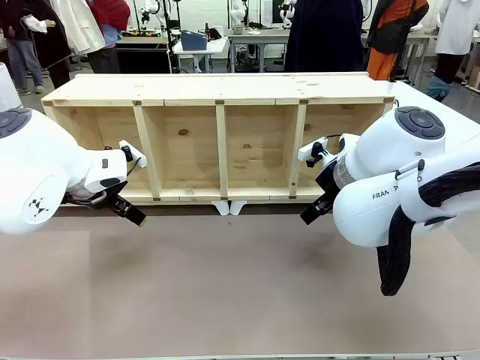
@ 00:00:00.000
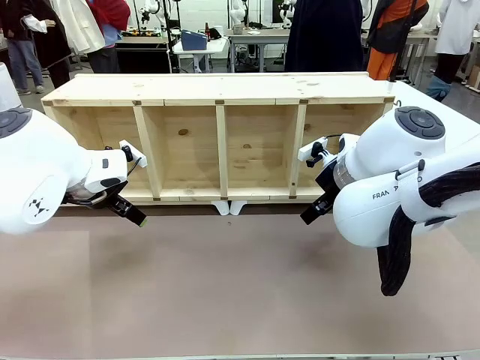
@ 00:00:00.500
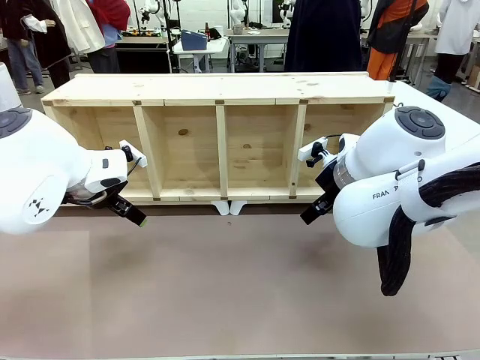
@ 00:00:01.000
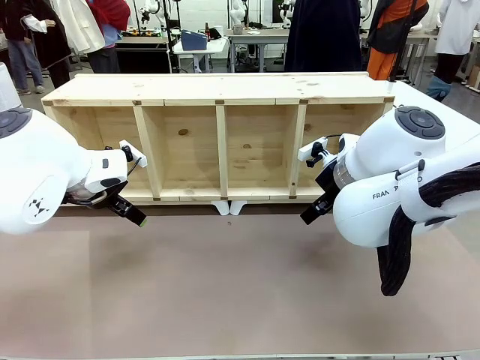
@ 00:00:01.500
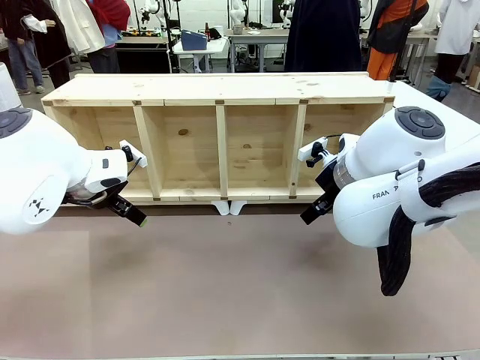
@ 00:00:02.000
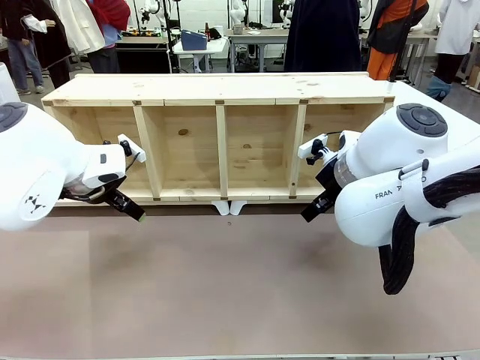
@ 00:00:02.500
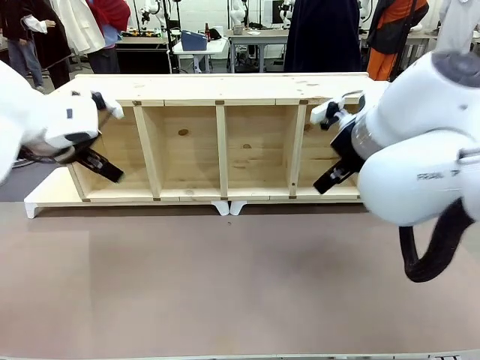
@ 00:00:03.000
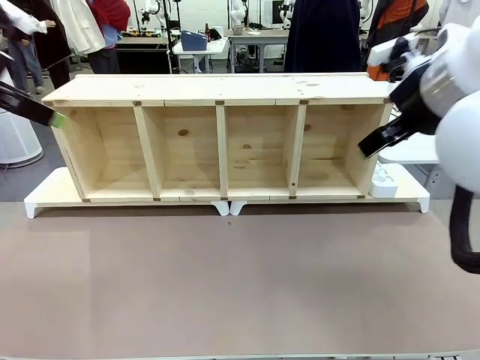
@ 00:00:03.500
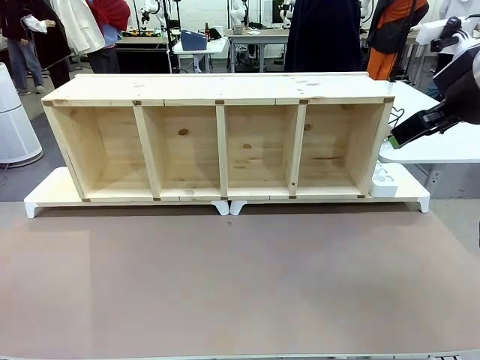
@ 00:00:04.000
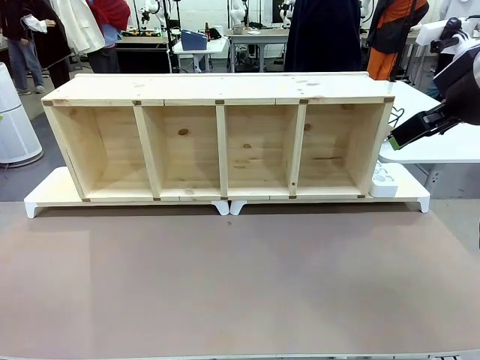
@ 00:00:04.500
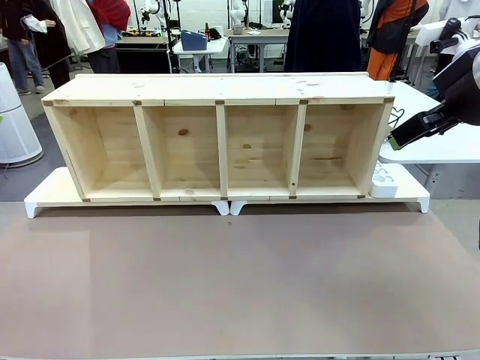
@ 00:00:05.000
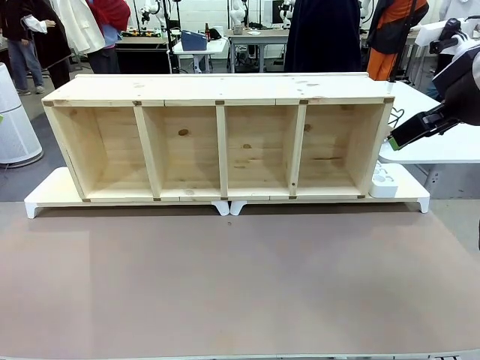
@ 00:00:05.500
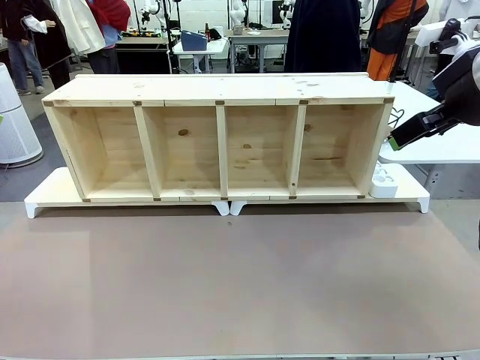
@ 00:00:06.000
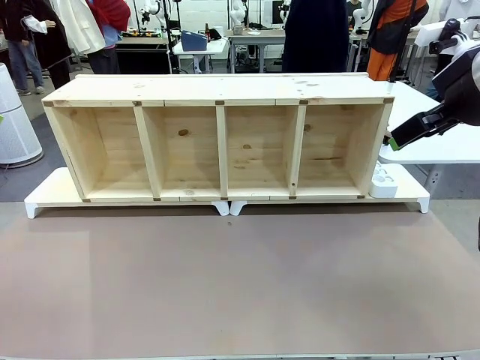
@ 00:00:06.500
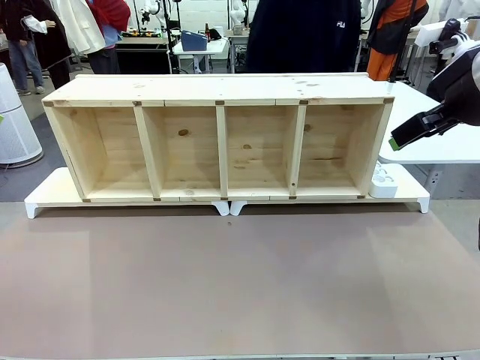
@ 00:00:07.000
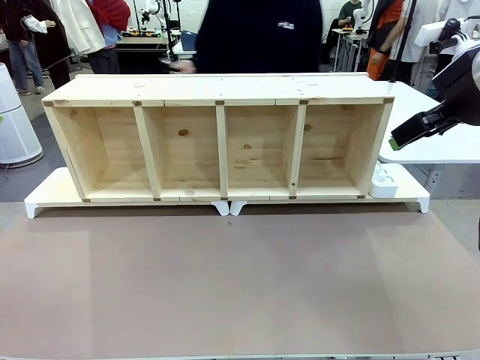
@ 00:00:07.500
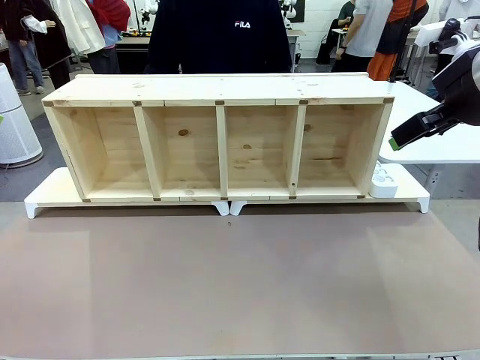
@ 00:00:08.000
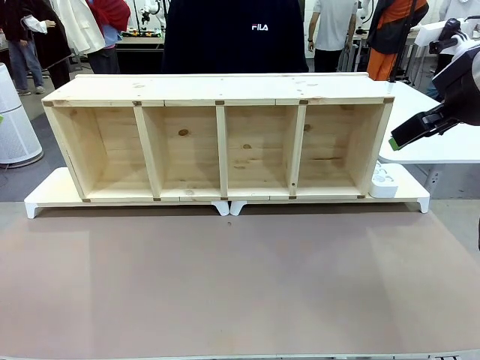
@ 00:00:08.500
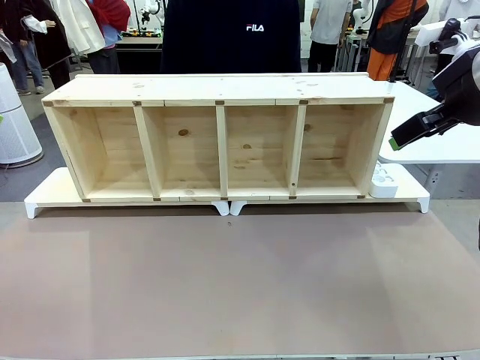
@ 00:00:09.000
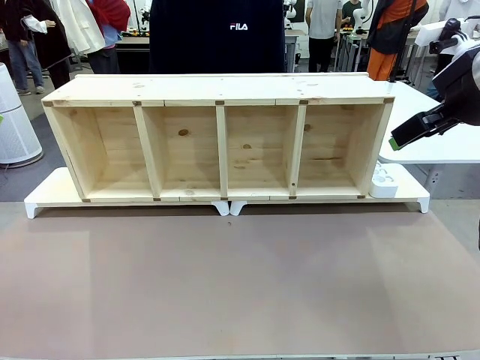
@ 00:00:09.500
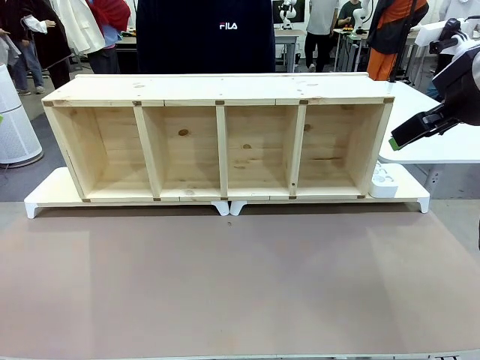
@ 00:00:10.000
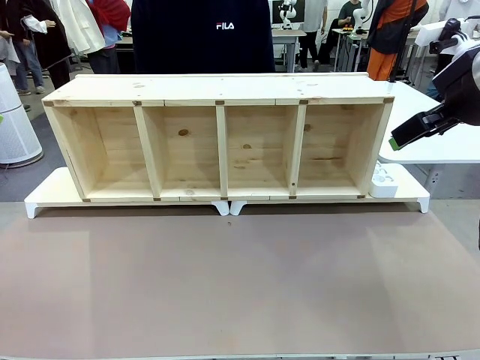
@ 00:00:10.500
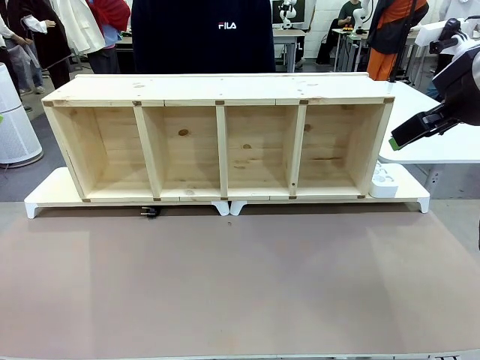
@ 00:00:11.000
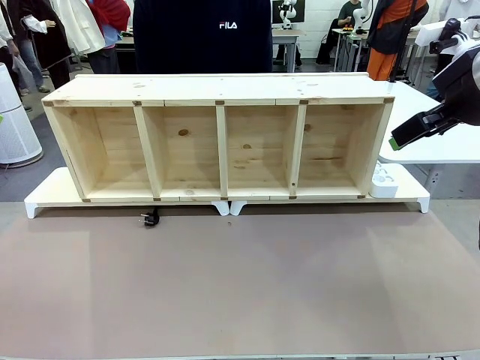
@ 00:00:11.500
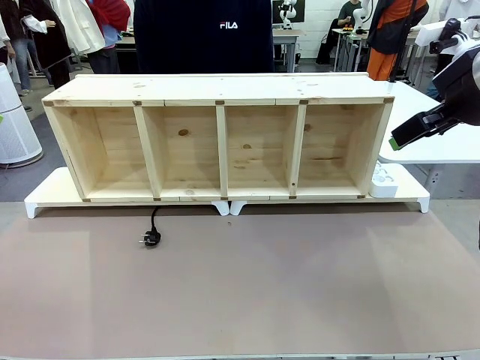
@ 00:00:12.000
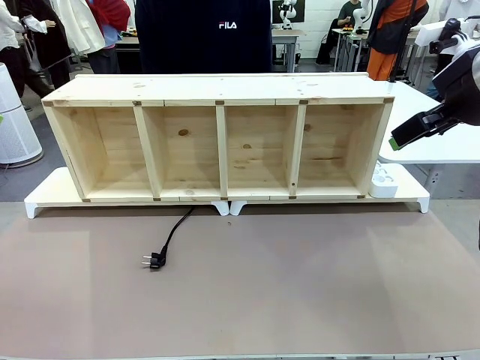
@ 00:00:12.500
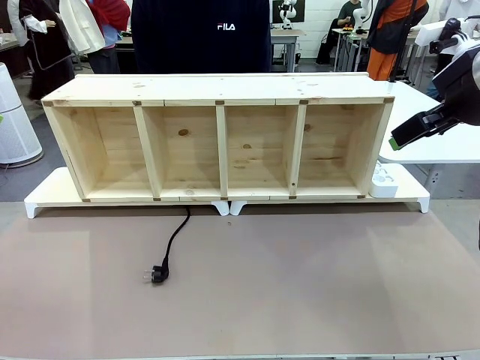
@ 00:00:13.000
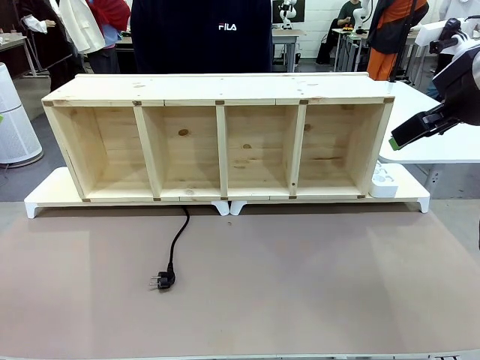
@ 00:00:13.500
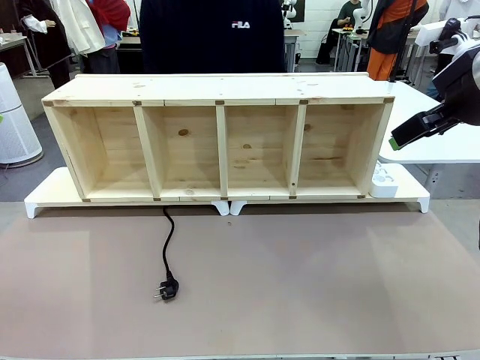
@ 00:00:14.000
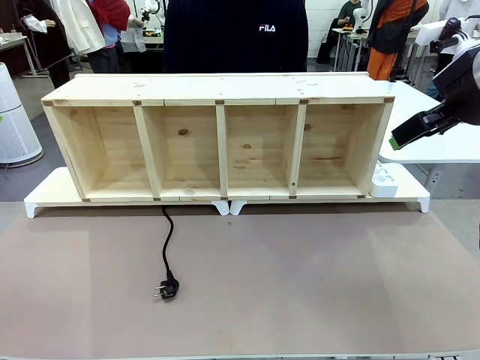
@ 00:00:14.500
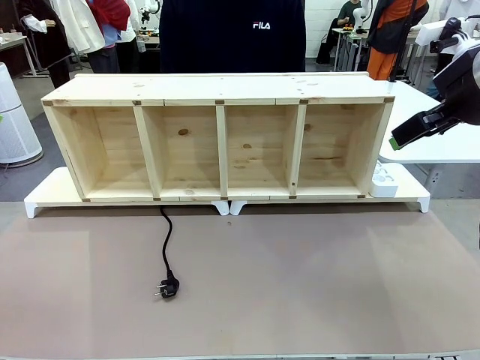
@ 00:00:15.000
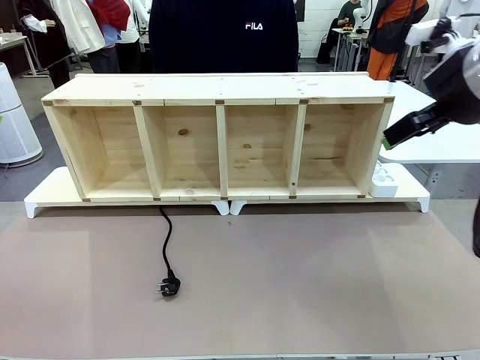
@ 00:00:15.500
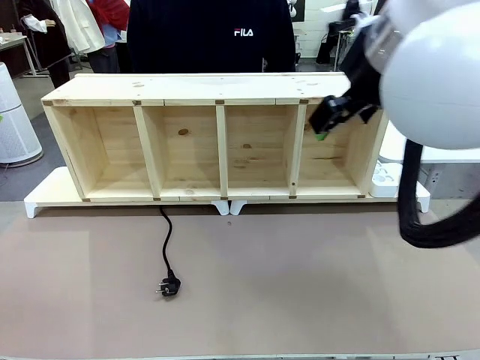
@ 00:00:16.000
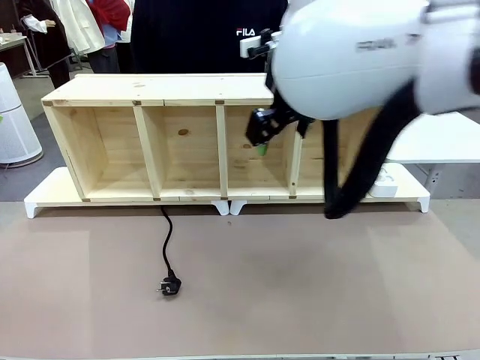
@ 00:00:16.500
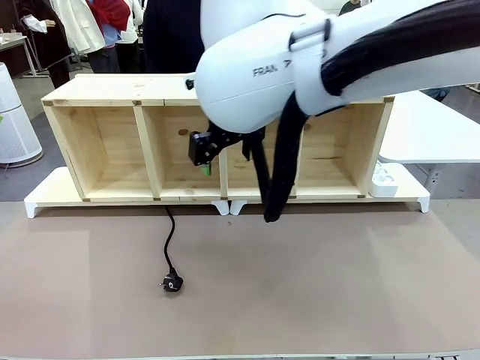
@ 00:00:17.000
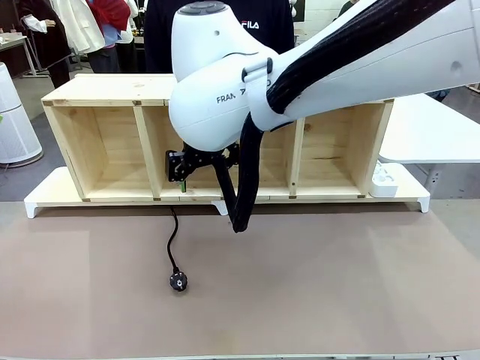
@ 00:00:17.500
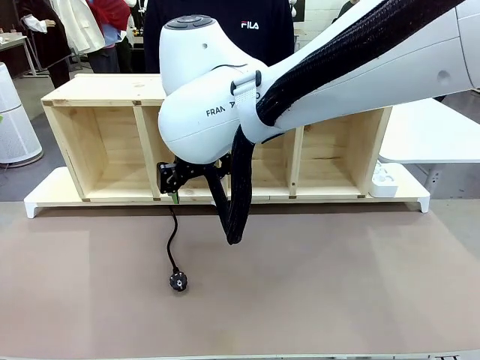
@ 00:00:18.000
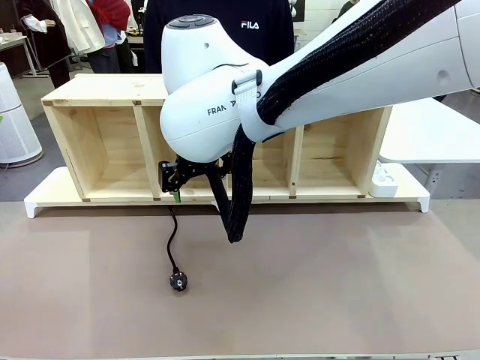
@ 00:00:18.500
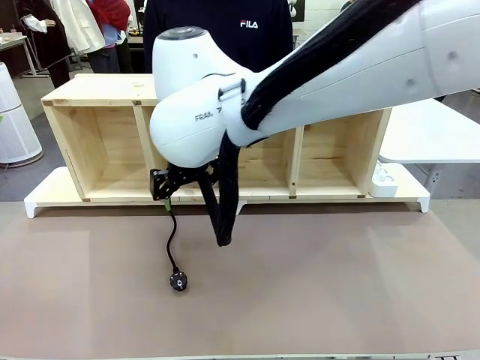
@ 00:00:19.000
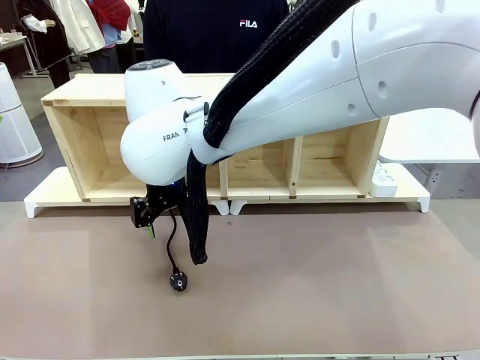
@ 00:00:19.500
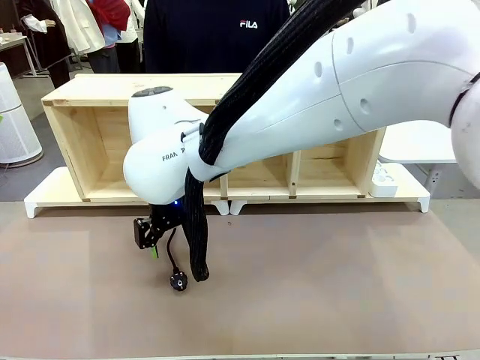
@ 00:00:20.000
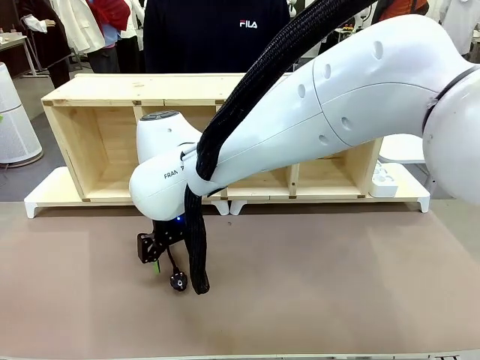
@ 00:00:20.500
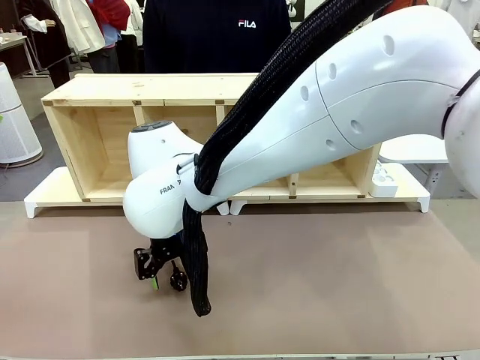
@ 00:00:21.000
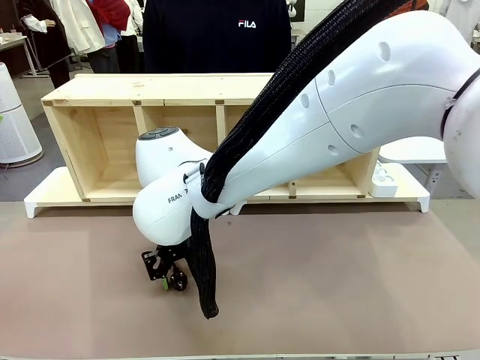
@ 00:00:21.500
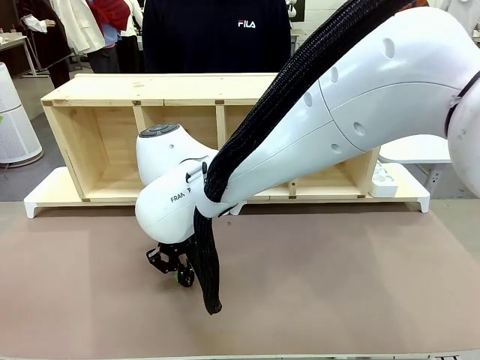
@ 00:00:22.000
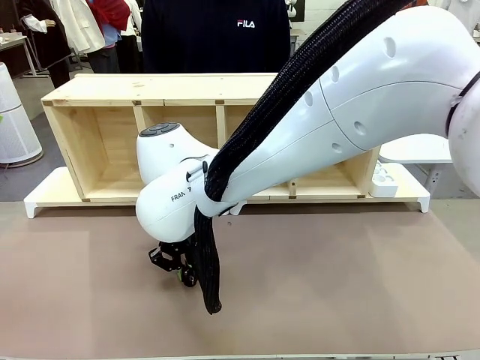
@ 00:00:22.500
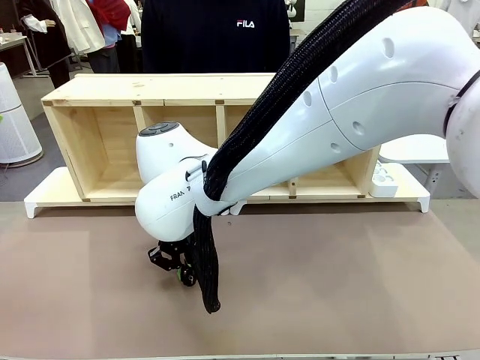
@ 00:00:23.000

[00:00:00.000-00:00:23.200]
Task: Perform cable management.
Robot: When the cord part of the Power Cable appears at the lower middle area of the table and stops, grasp the cord part of the Power Cable.
Person: Pass the Power Cable under the Serving Table.
